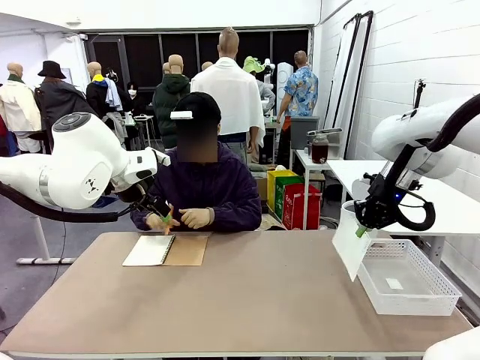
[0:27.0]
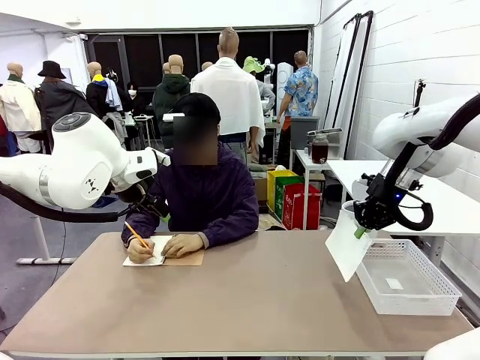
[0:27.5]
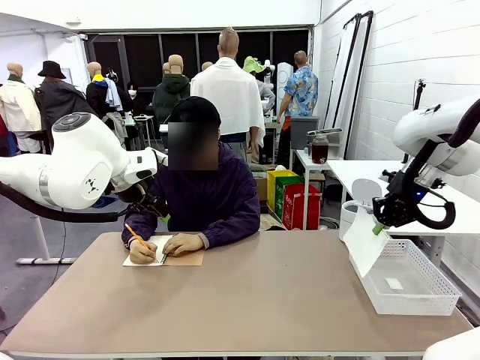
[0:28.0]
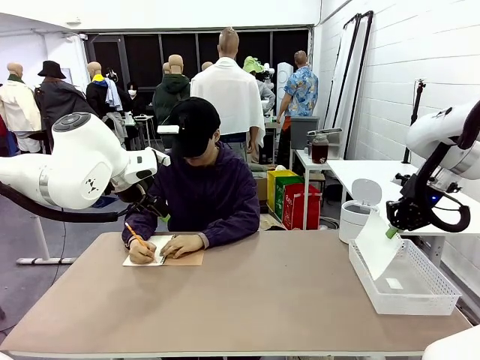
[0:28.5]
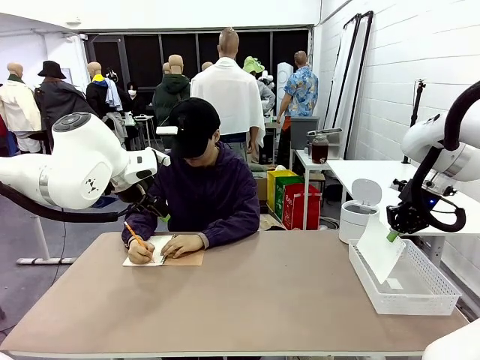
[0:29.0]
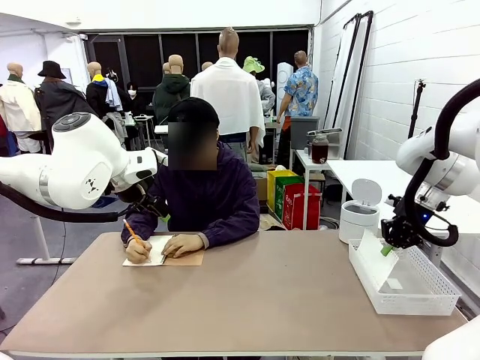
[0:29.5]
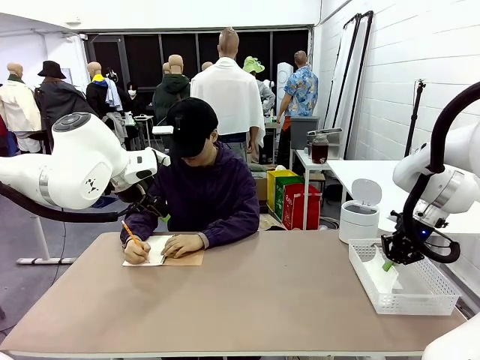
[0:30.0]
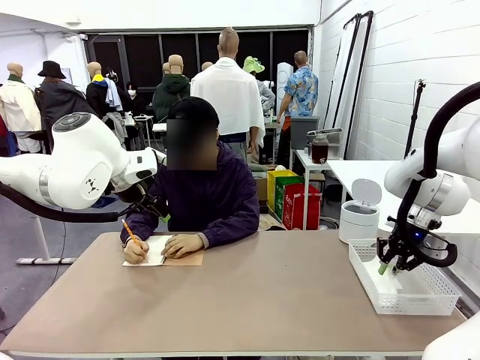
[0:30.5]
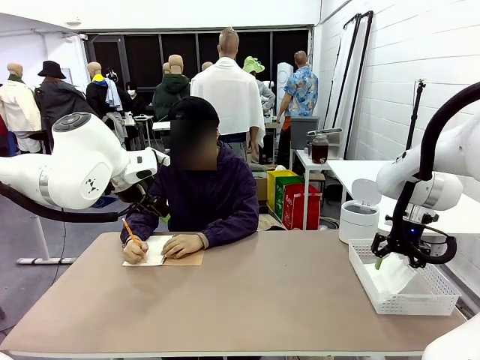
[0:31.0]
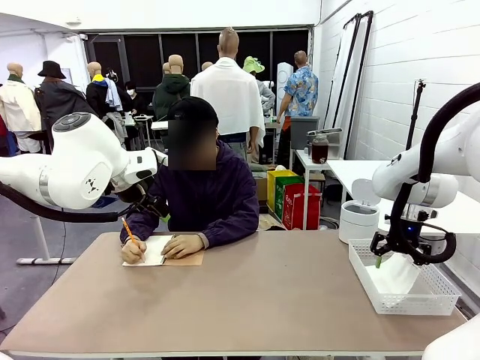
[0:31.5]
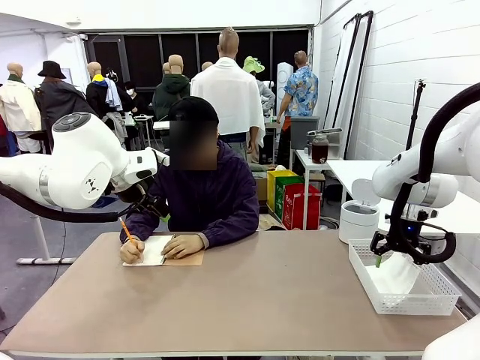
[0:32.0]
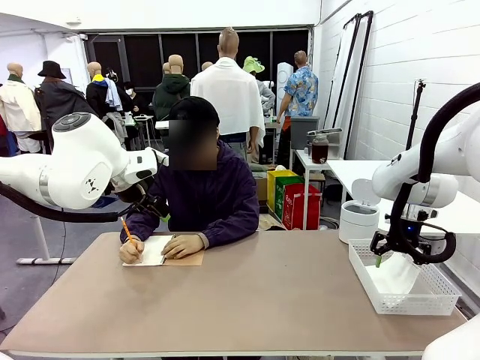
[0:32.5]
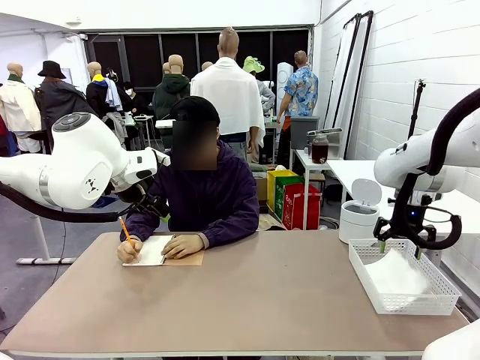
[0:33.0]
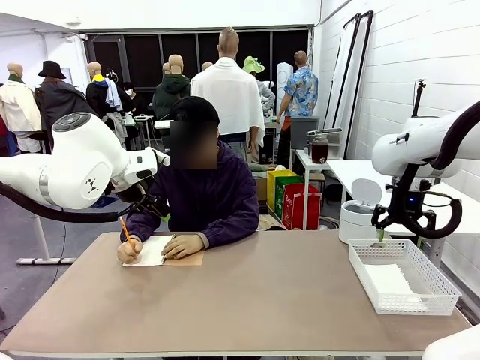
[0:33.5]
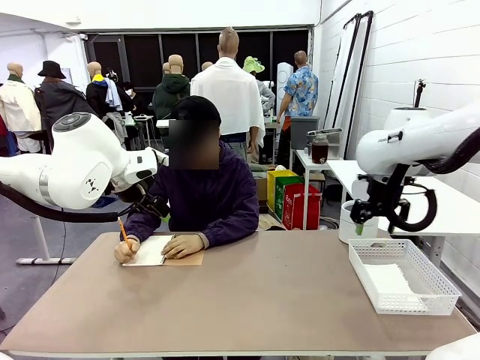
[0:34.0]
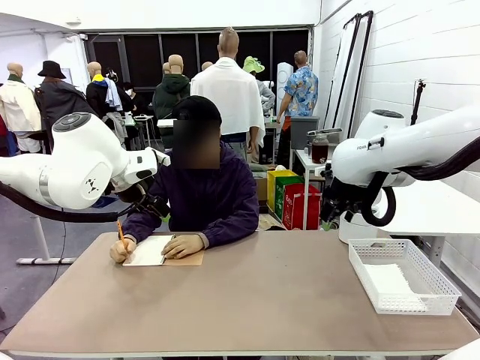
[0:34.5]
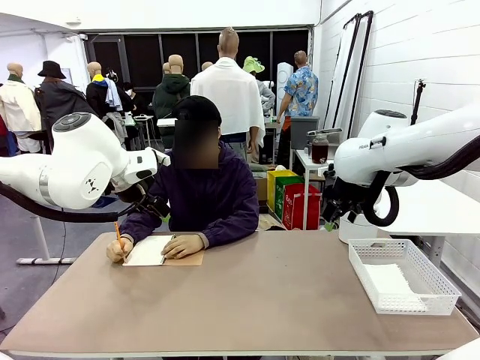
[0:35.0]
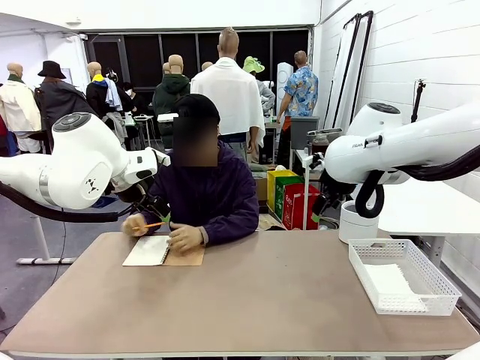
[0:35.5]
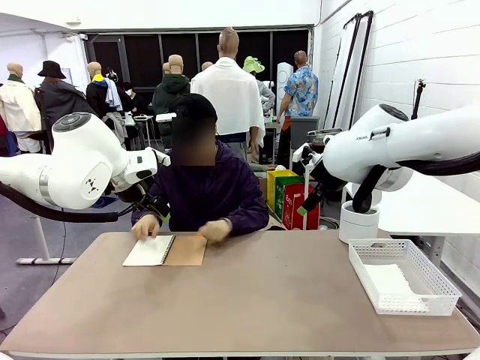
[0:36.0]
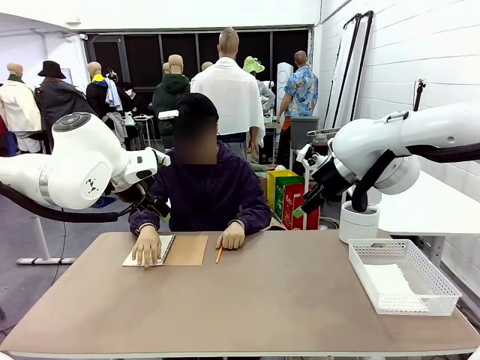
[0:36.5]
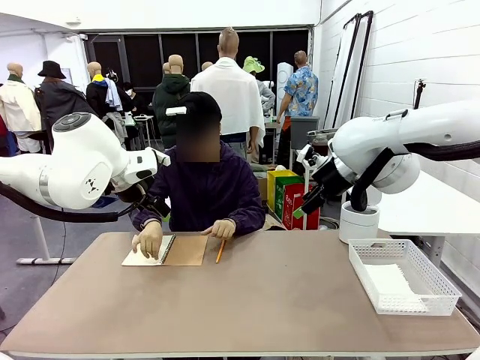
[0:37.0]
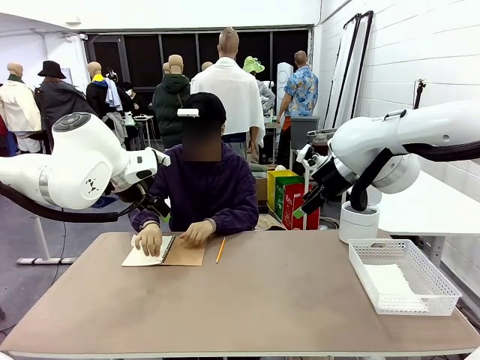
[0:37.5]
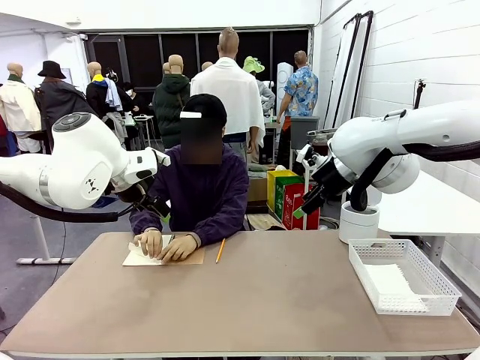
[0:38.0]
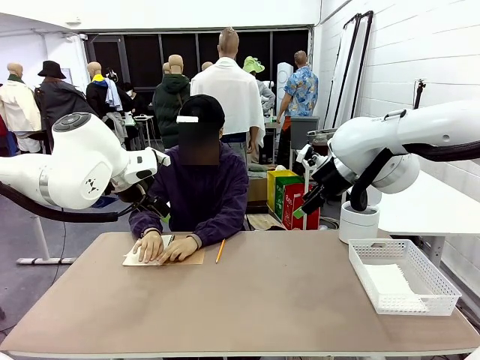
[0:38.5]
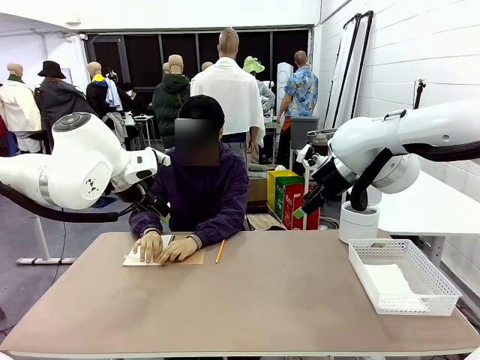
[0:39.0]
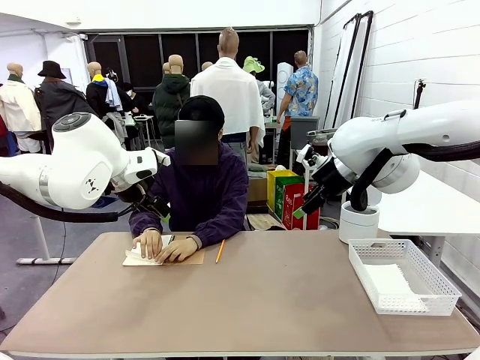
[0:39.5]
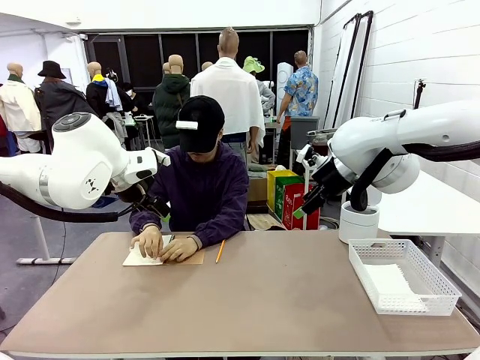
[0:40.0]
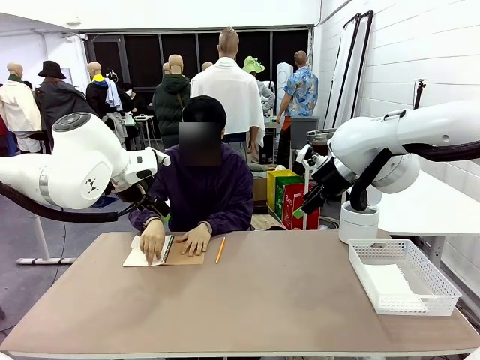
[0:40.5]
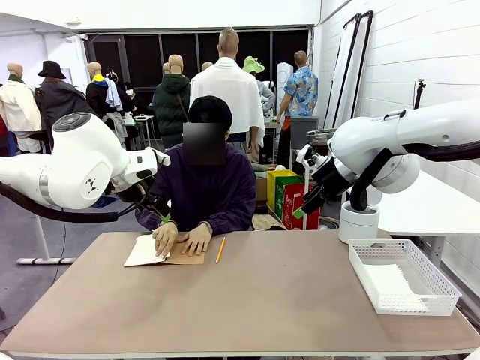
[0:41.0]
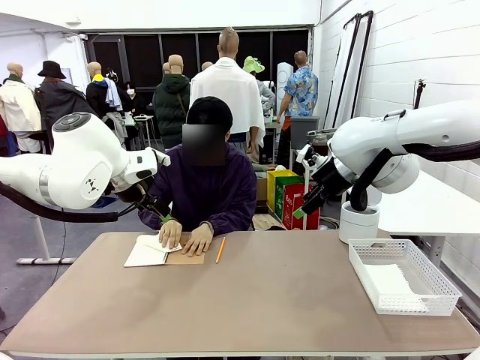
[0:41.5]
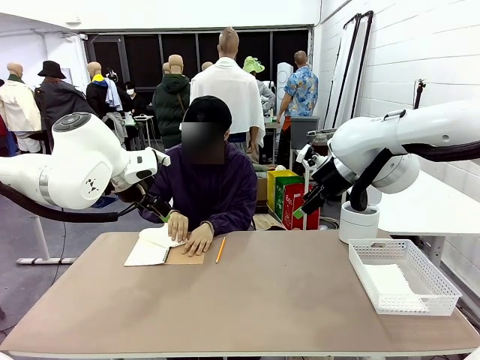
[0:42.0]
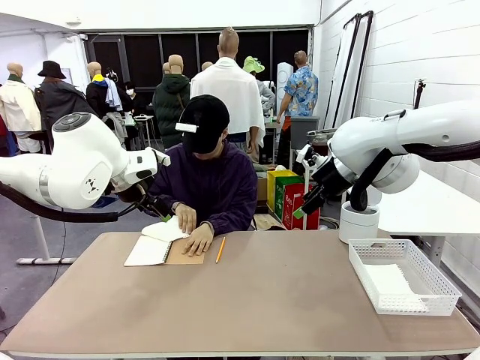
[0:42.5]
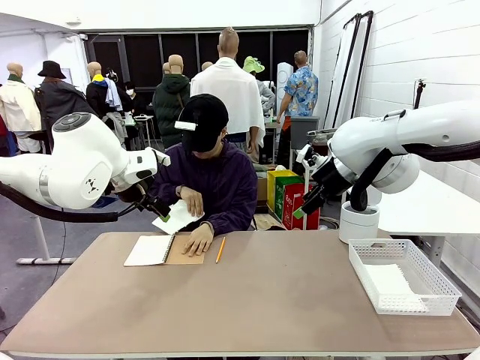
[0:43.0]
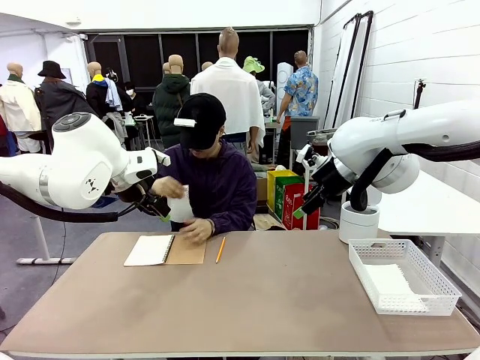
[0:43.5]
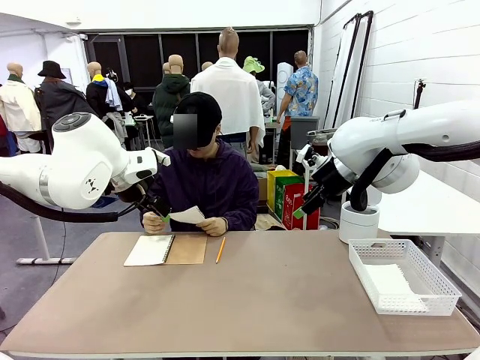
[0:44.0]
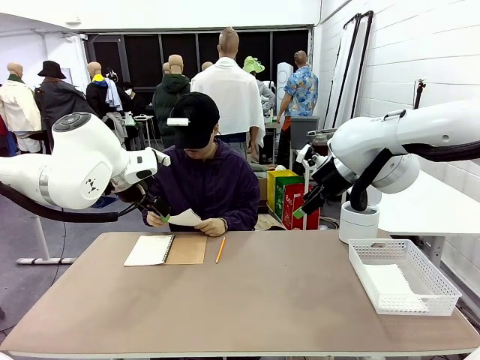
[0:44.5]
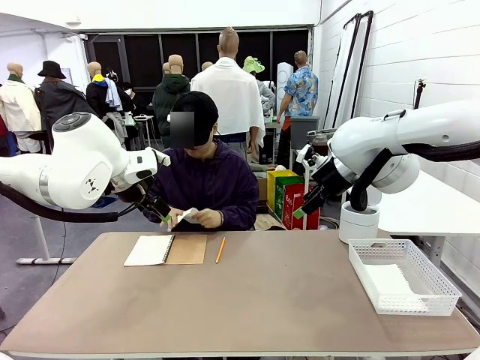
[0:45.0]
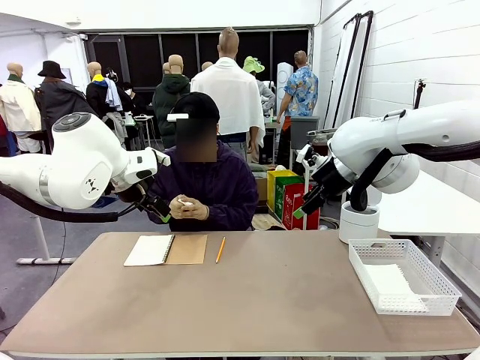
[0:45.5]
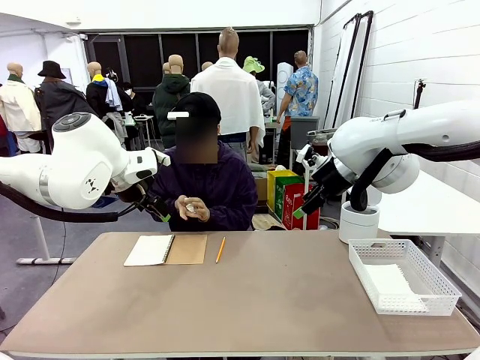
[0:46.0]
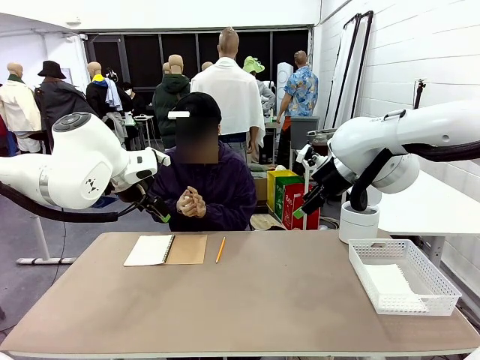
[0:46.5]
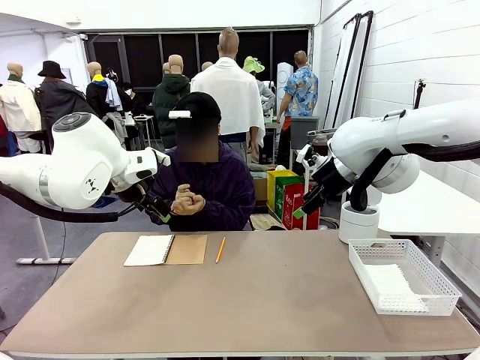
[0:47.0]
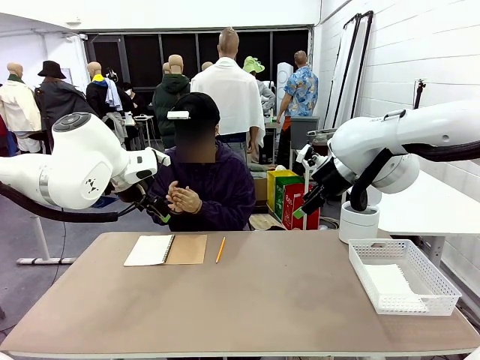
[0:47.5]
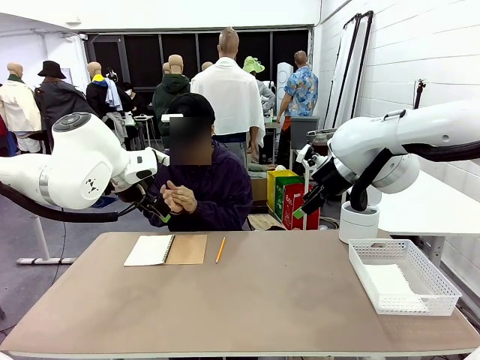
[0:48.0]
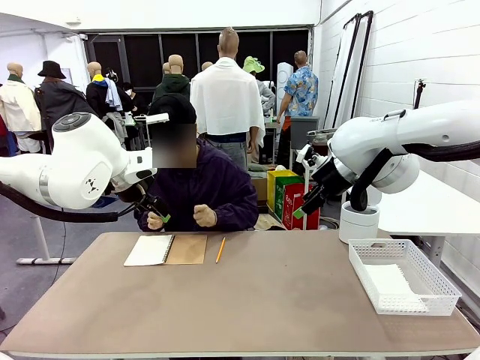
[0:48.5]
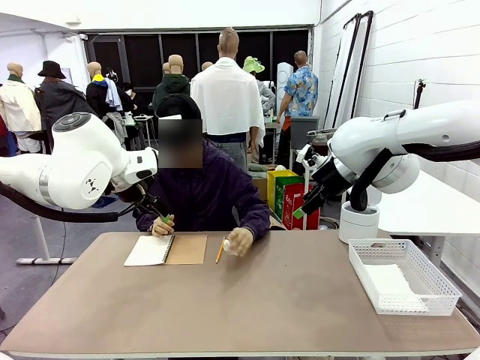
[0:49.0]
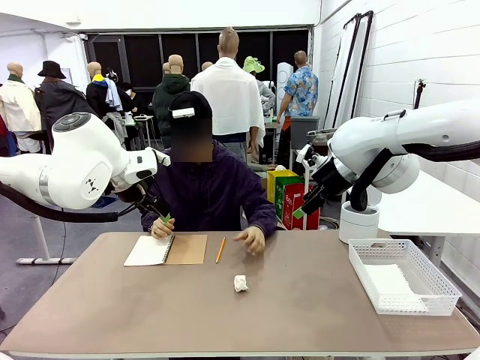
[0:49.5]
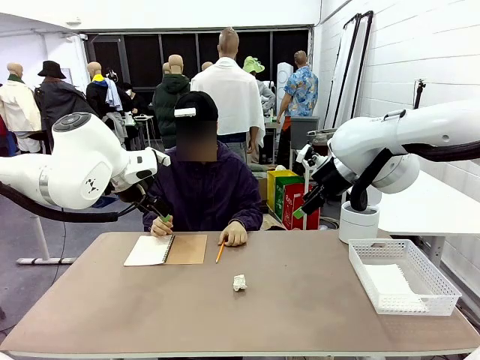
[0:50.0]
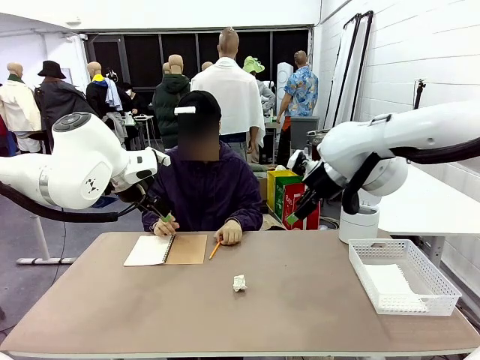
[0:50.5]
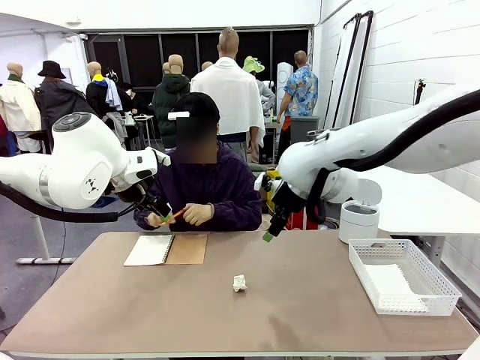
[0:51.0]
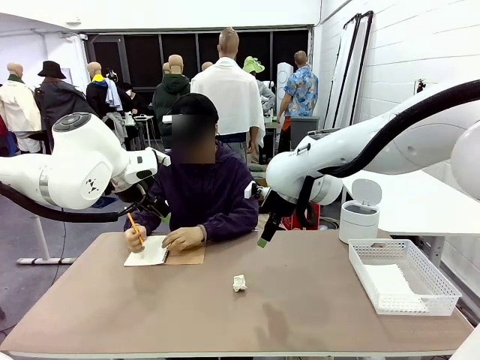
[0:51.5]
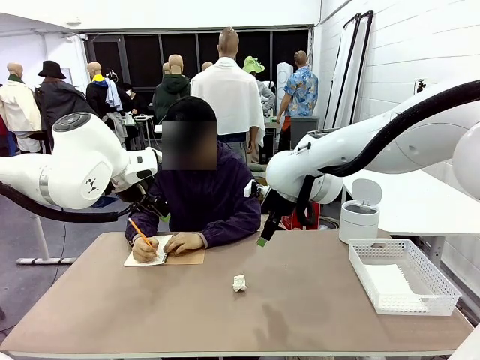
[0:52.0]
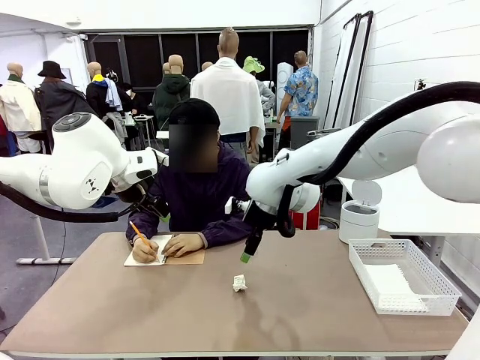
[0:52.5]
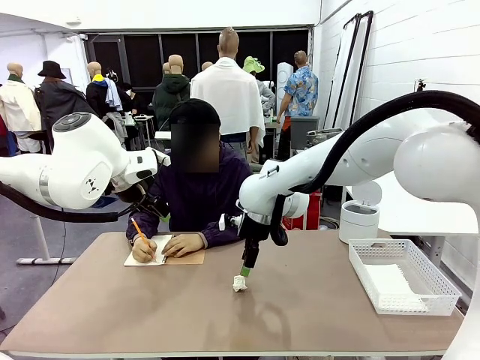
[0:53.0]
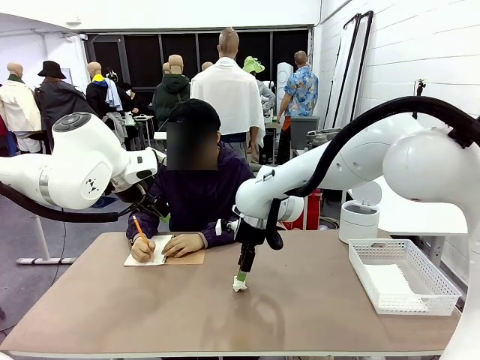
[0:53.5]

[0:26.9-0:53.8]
Task: Sort the paper based on its condition.
Robot: If a person hands you a paper, place it in the Organizing basket , and if it's crumpled, put it in the Trash can.
Person: Tear out a page from the spiral notebook. Hand the torn page to the robot or crumple it and throw it to the center of the table.
